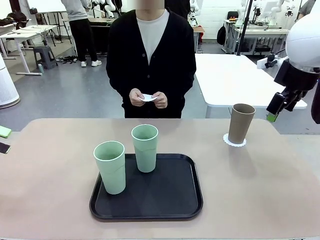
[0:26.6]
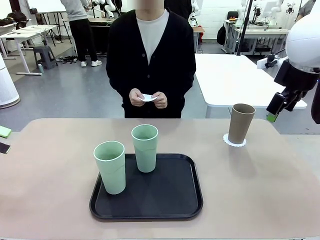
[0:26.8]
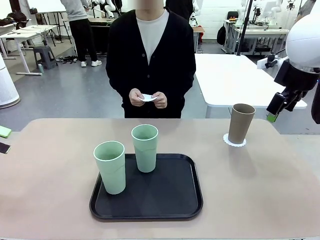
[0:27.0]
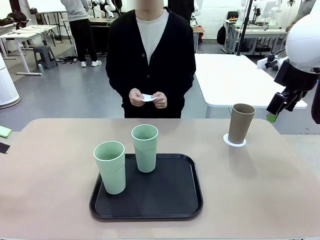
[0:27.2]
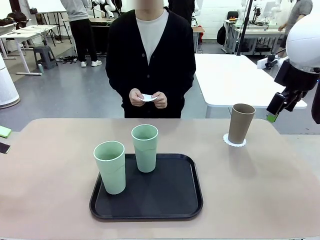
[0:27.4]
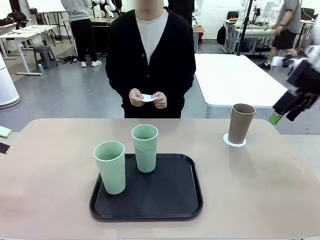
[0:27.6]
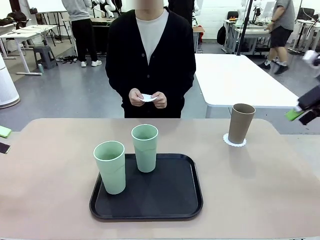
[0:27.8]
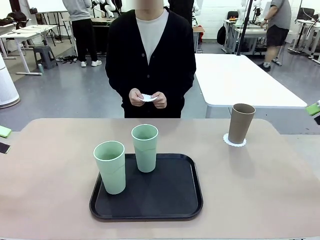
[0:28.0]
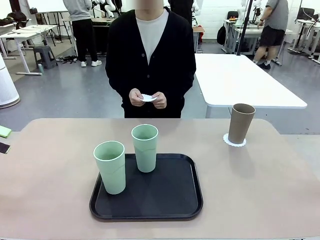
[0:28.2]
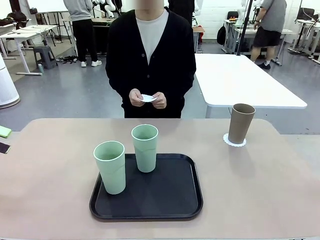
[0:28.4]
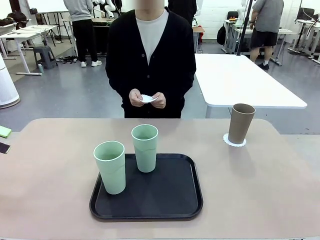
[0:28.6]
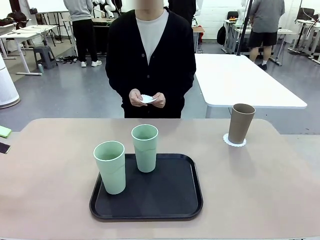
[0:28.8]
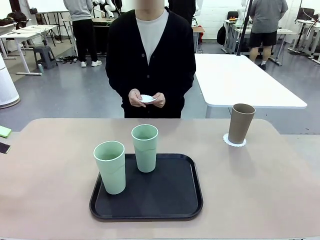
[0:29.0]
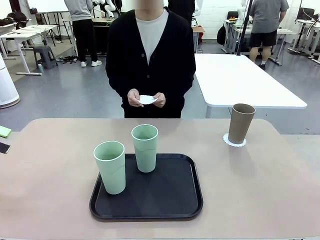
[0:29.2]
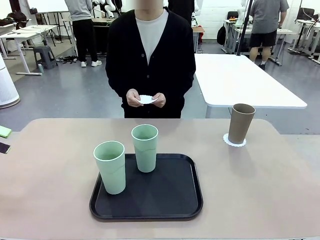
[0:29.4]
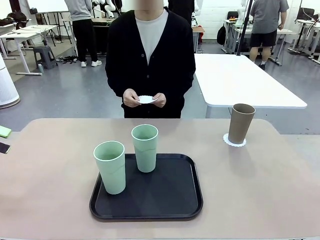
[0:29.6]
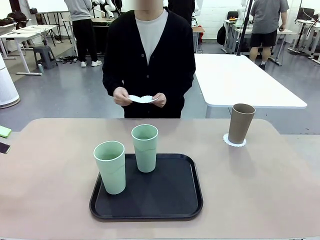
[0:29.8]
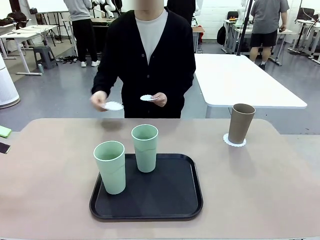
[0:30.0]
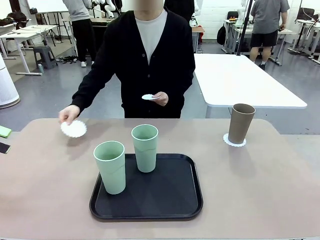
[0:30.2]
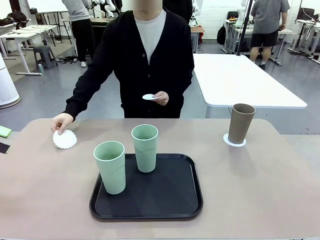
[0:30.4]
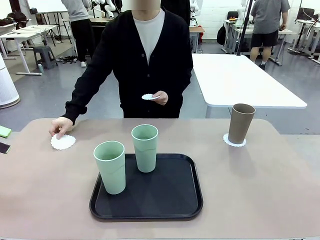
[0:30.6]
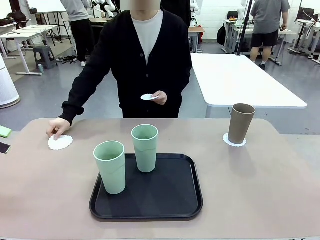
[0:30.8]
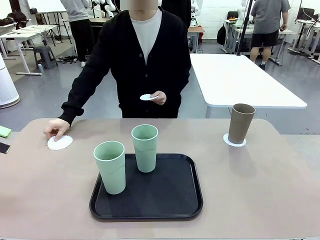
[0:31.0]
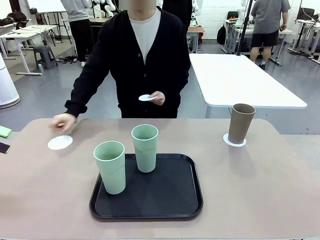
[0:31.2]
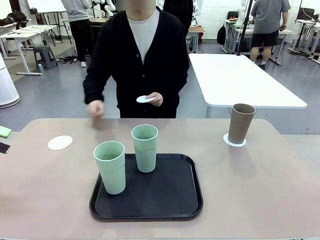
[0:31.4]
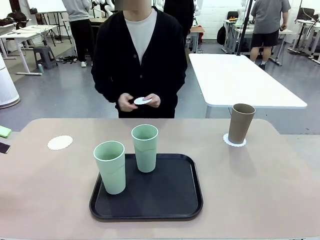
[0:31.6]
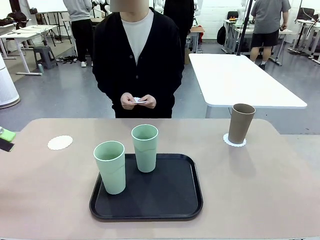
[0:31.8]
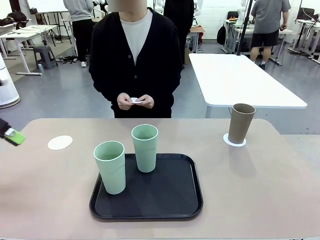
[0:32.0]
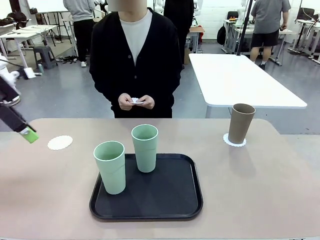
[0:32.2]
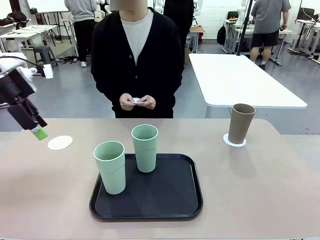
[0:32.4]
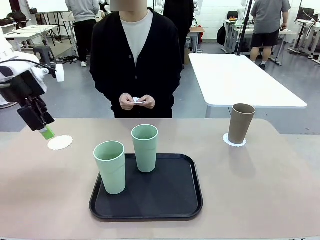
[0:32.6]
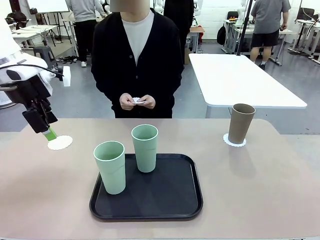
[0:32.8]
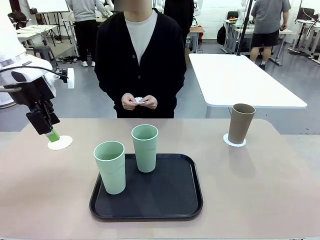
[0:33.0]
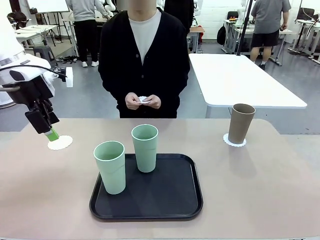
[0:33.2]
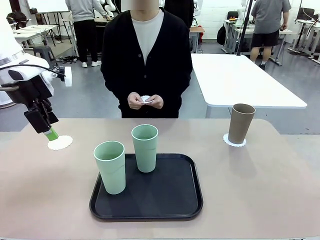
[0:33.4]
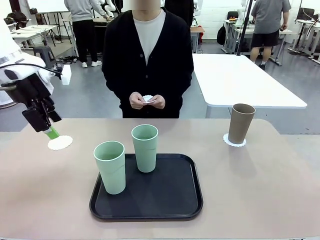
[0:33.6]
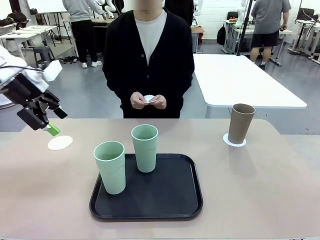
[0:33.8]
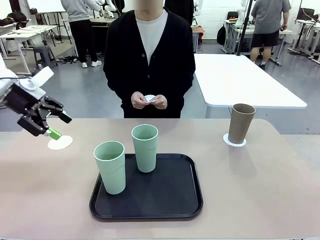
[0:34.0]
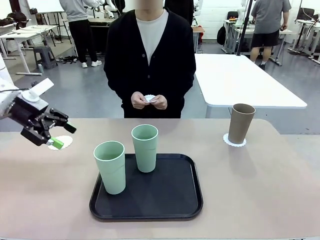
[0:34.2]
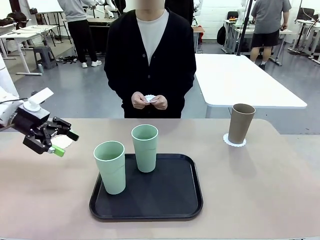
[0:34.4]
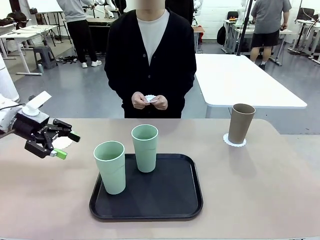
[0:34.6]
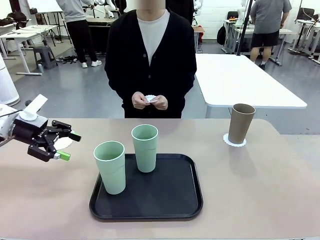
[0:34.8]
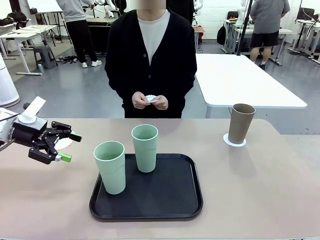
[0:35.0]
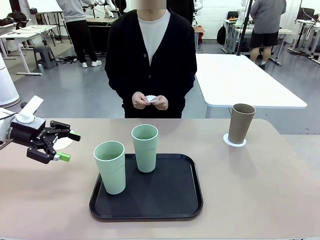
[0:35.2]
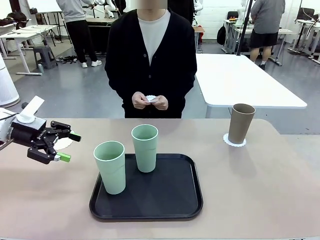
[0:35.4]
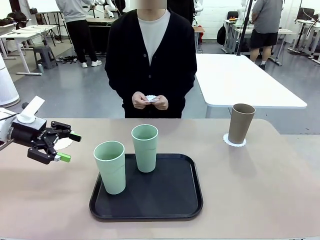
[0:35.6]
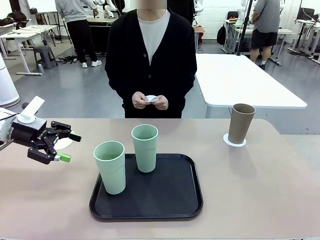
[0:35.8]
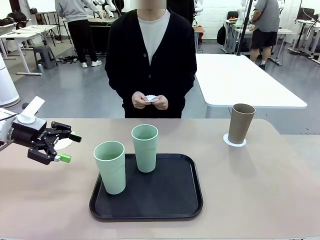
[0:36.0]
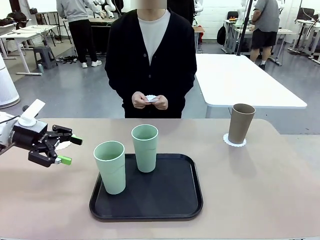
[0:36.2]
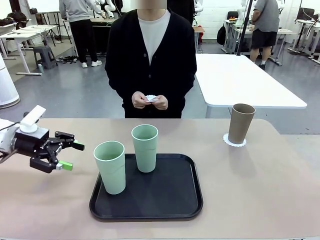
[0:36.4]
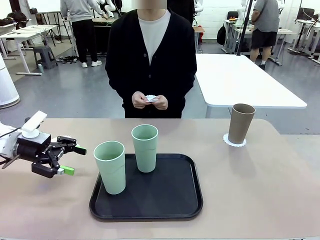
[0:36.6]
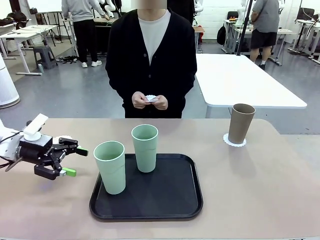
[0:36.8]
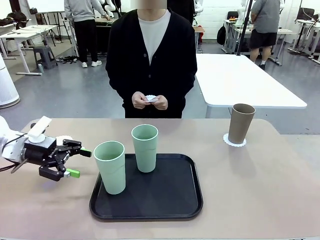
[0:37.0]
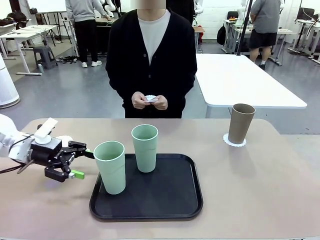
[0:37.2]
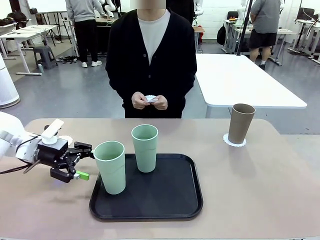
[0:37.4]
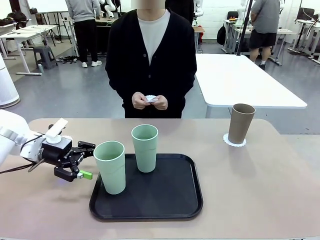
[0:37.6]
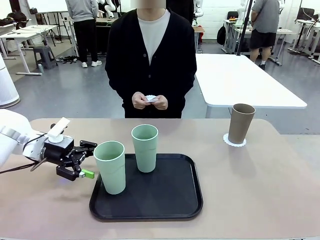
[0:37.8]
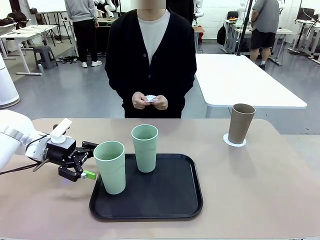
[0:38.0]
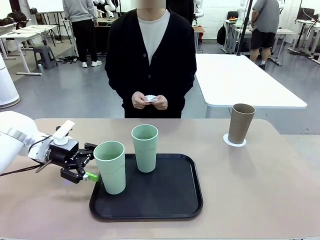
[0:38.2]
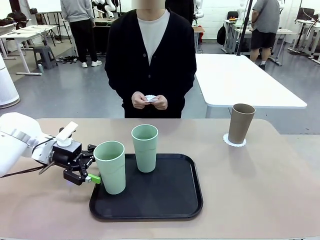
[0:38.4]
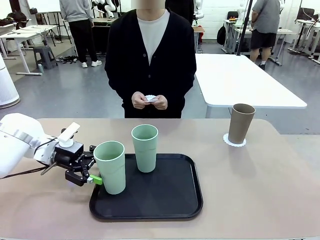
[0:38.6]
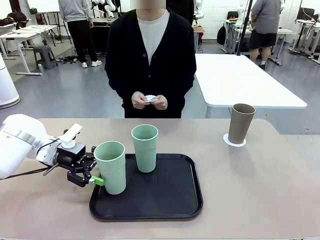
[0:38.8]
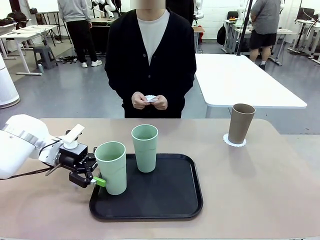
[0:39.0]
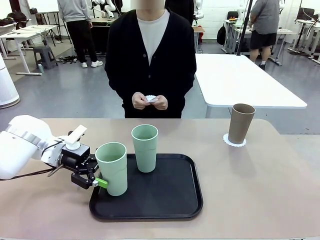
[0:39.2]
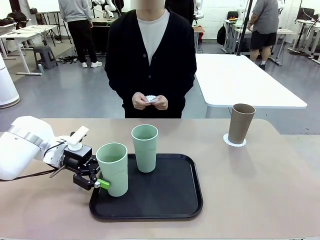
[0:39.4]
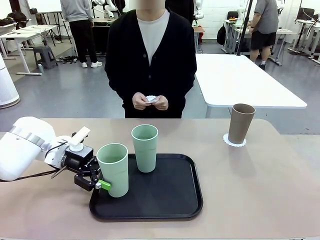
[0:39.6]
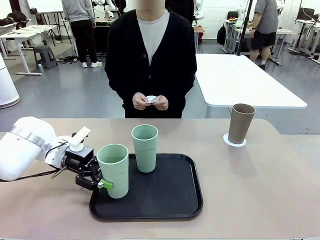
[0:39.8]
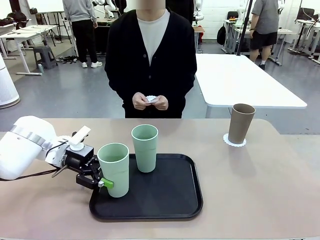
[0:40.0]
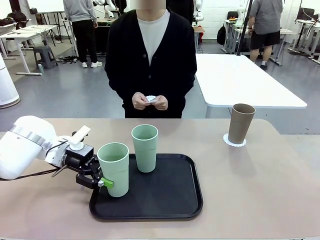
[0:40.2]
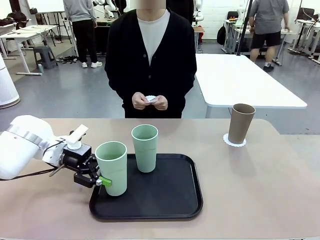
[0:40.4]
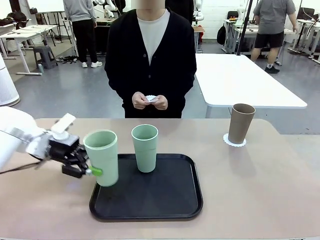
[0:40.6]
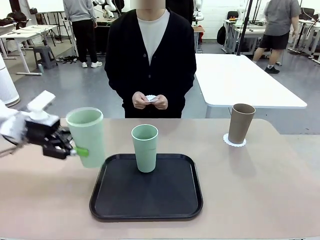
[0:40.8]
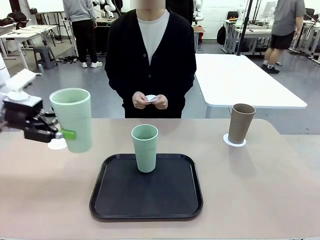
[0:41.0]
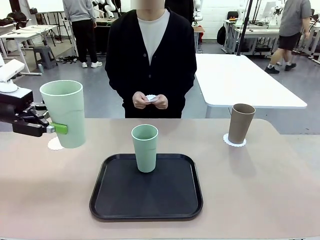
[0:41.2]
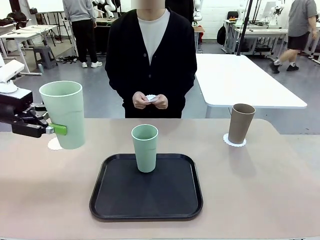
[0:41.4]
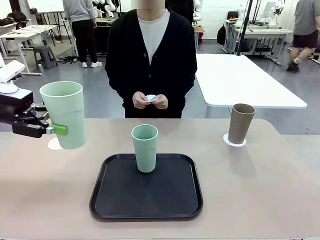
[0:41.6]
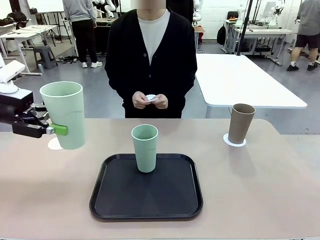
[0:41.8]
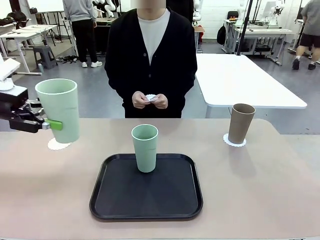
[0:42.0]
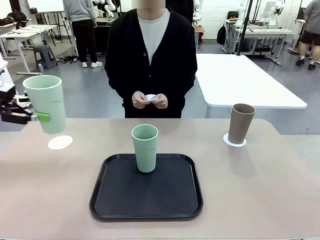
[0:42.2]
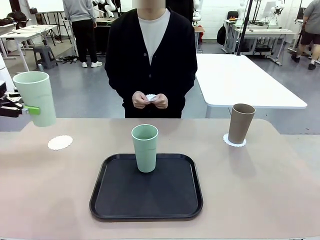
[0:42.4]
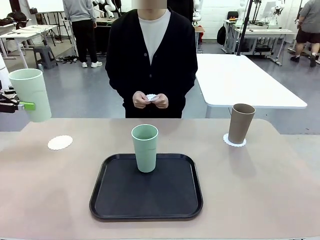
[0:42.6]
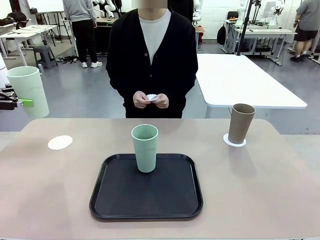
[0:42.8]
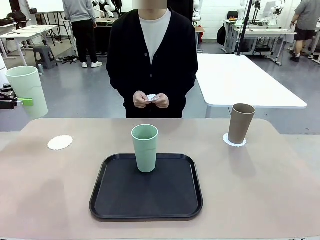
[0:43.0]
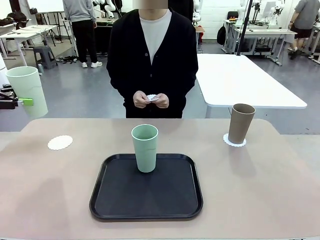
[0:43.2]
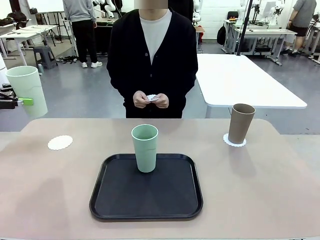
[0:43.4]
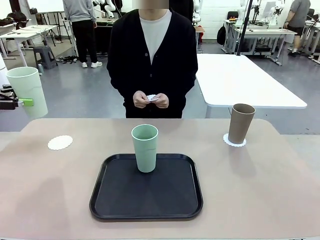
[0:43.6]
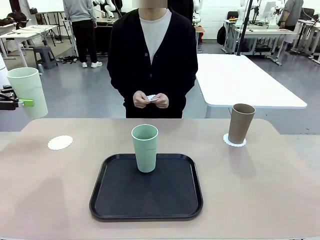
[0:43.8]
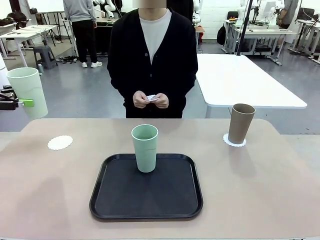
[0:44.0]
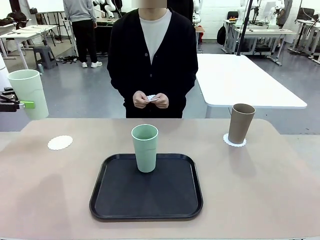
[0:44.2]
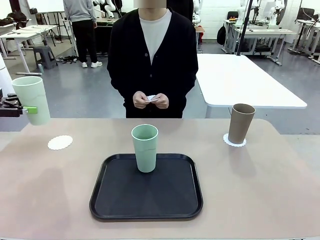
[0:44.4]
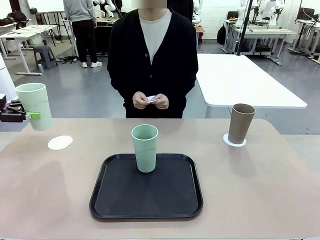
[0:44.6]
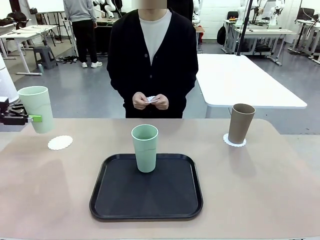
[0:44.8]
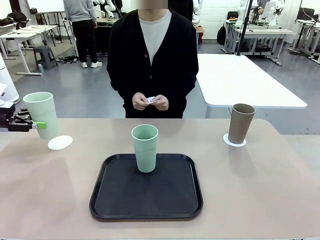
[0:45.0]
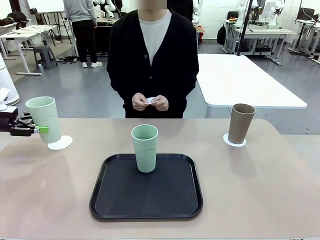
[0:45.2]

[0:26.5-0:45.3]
Task: Place coasters on the table and set cups on them.
Robot: Take one Reusable plastic cup from the Flat Tray and place it on a coaster set by the human.
